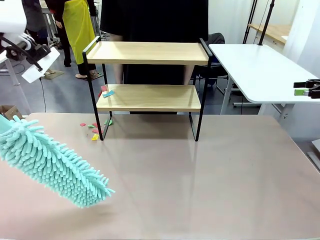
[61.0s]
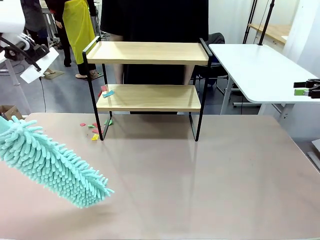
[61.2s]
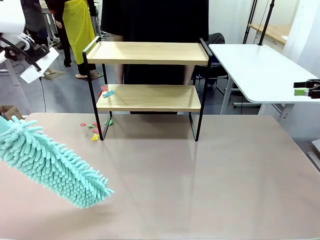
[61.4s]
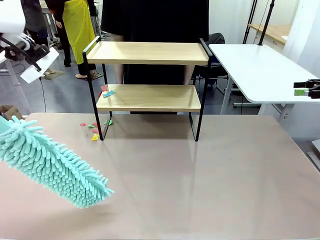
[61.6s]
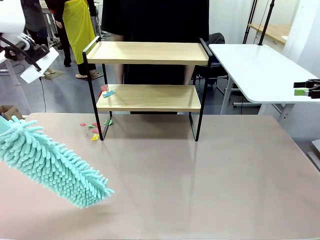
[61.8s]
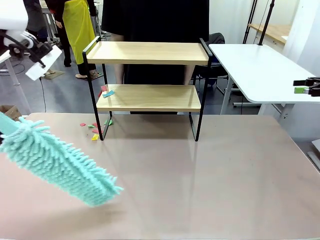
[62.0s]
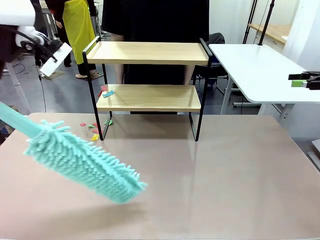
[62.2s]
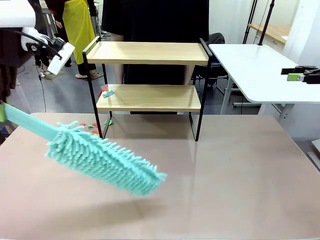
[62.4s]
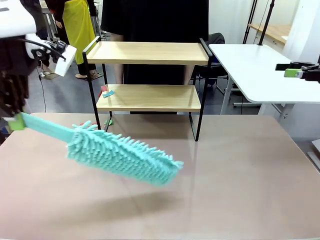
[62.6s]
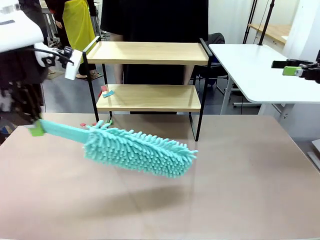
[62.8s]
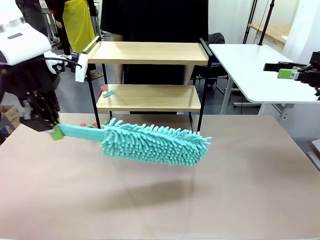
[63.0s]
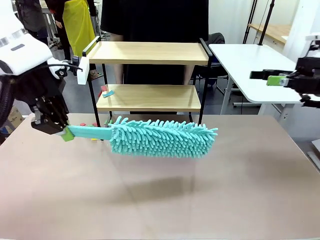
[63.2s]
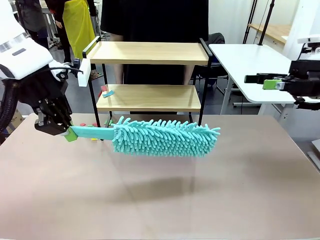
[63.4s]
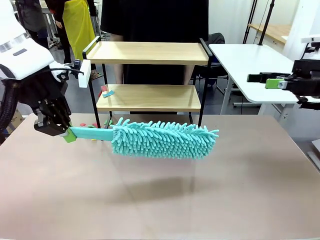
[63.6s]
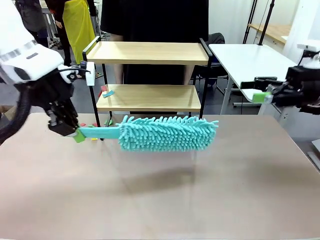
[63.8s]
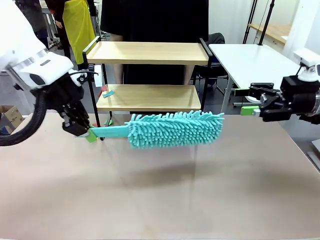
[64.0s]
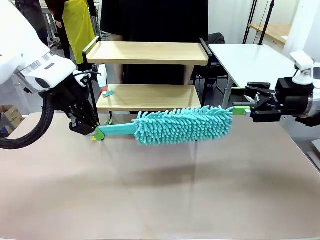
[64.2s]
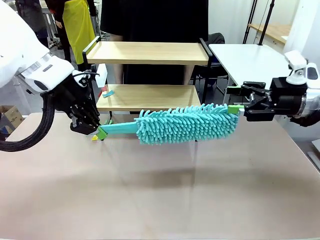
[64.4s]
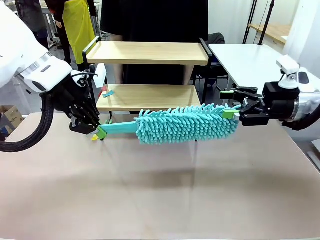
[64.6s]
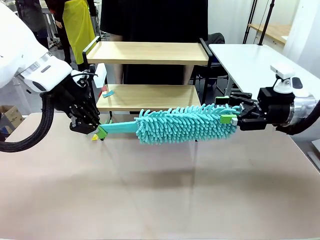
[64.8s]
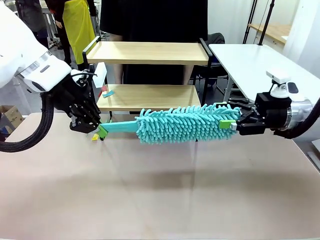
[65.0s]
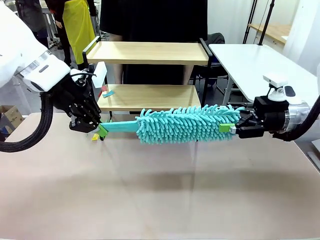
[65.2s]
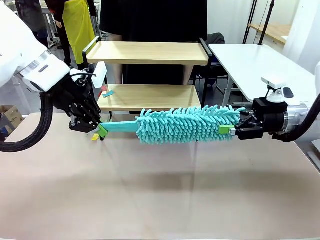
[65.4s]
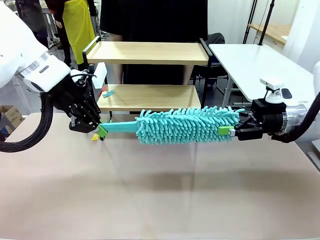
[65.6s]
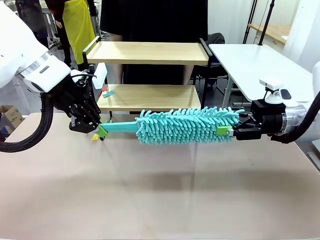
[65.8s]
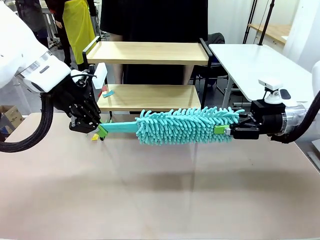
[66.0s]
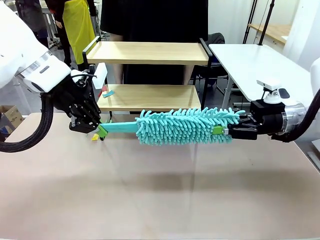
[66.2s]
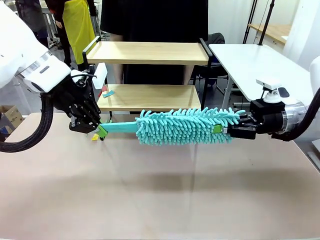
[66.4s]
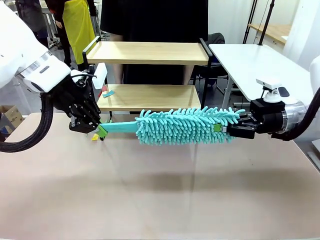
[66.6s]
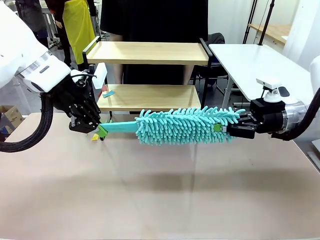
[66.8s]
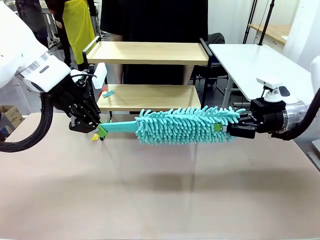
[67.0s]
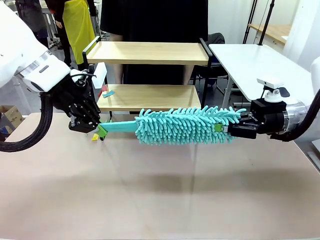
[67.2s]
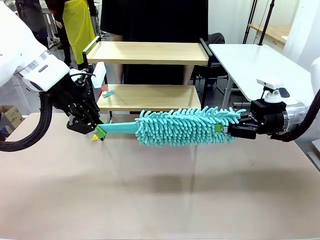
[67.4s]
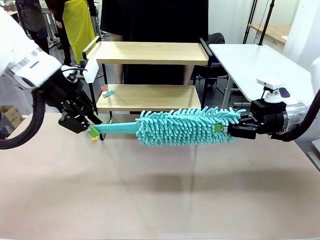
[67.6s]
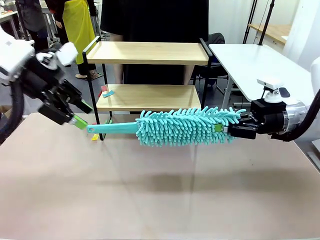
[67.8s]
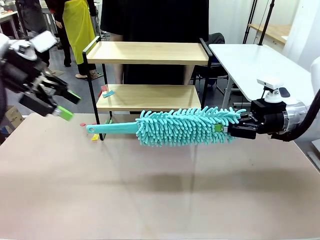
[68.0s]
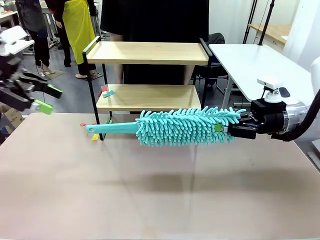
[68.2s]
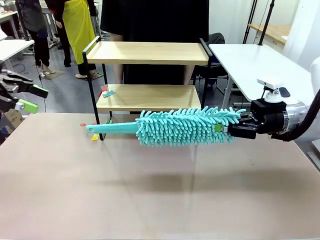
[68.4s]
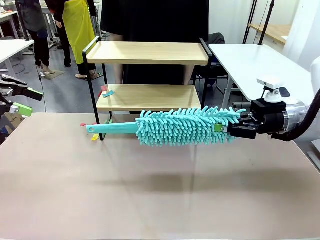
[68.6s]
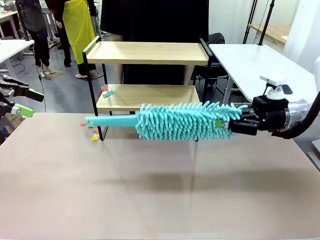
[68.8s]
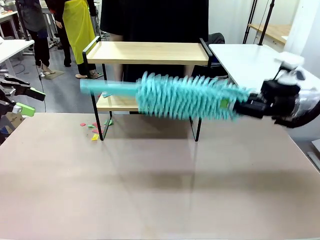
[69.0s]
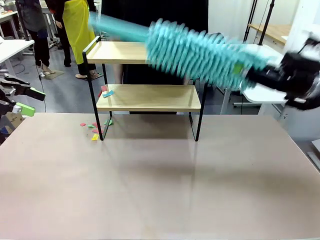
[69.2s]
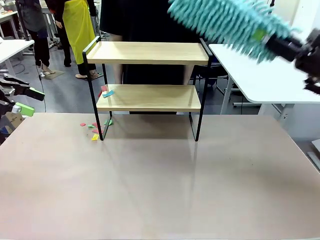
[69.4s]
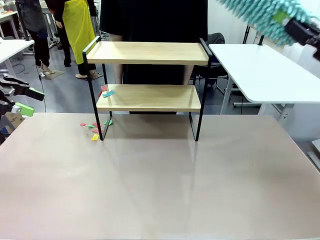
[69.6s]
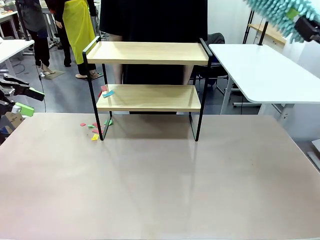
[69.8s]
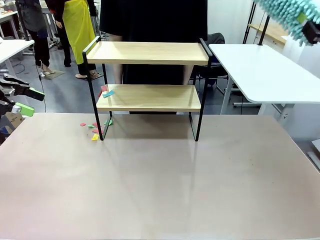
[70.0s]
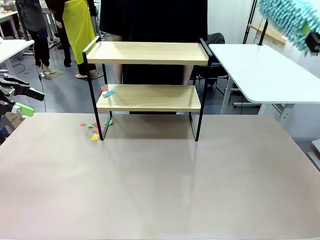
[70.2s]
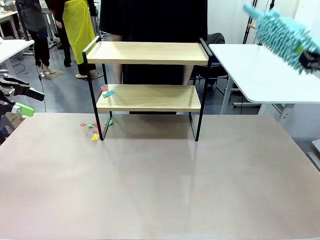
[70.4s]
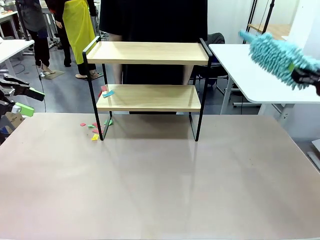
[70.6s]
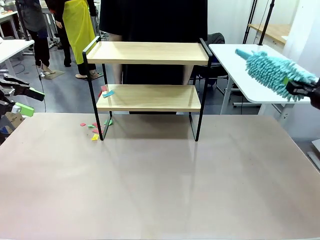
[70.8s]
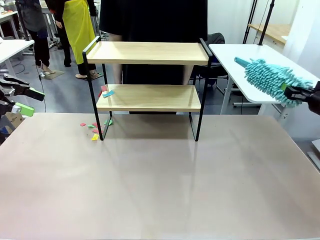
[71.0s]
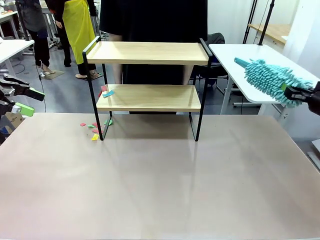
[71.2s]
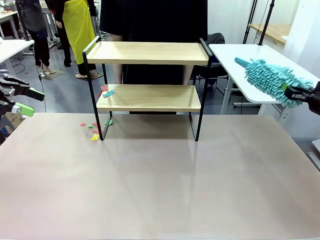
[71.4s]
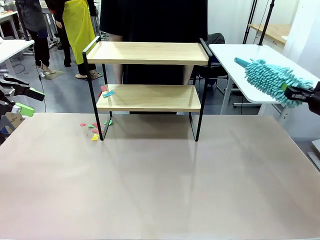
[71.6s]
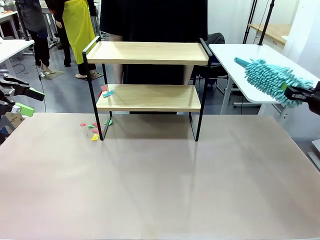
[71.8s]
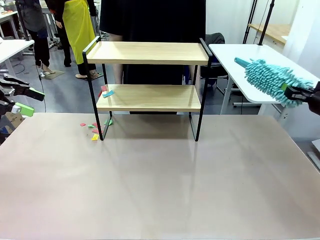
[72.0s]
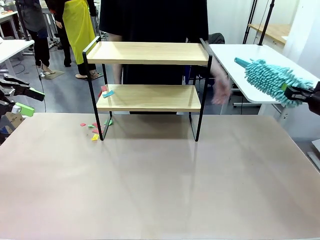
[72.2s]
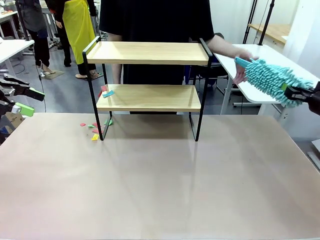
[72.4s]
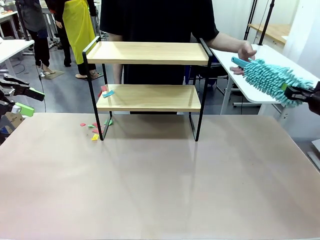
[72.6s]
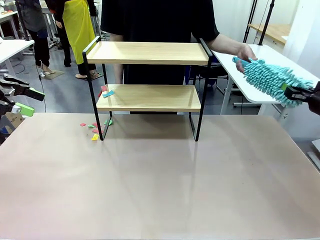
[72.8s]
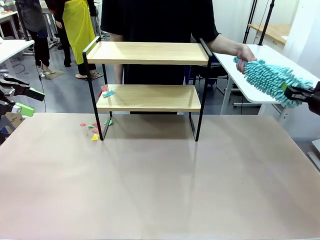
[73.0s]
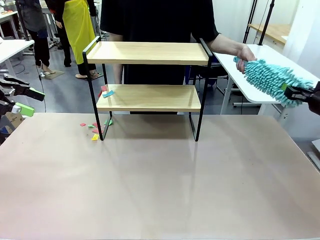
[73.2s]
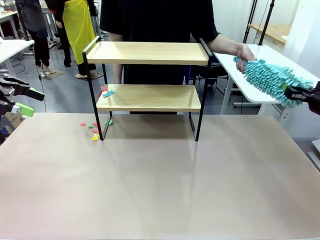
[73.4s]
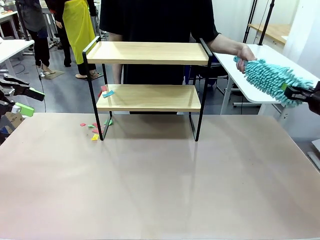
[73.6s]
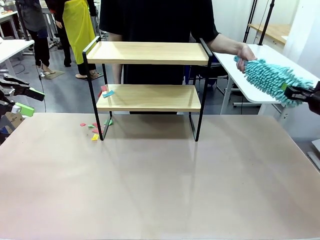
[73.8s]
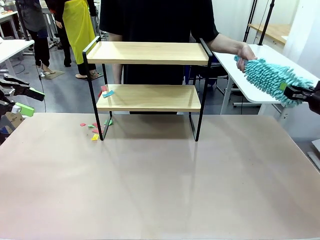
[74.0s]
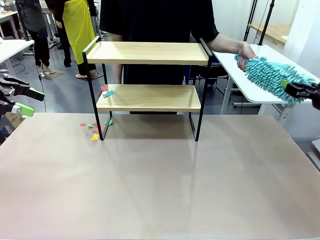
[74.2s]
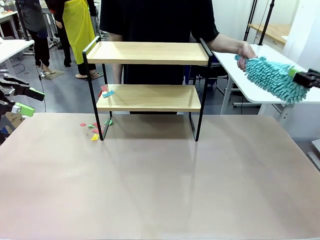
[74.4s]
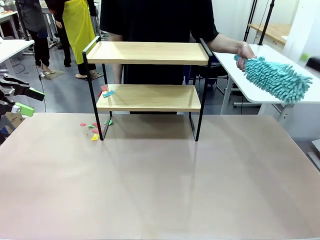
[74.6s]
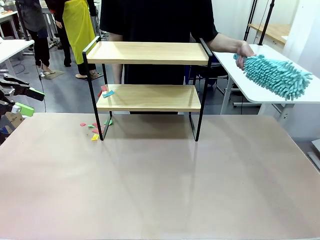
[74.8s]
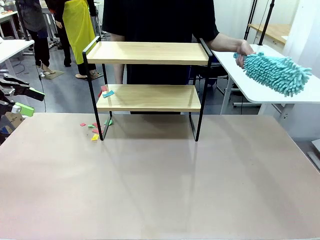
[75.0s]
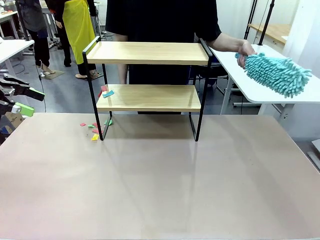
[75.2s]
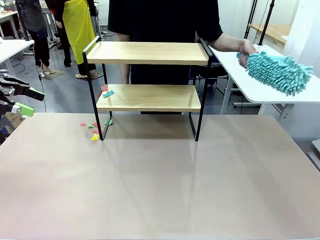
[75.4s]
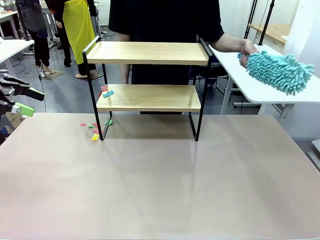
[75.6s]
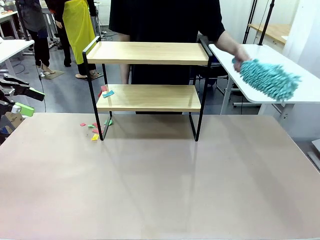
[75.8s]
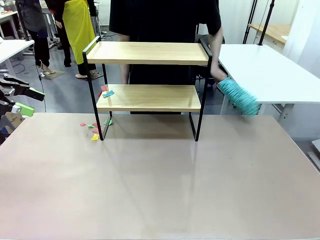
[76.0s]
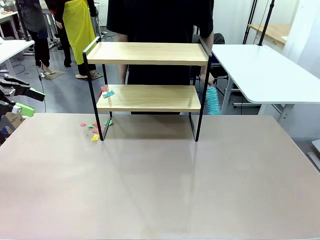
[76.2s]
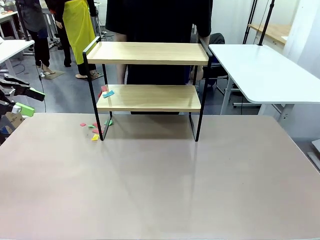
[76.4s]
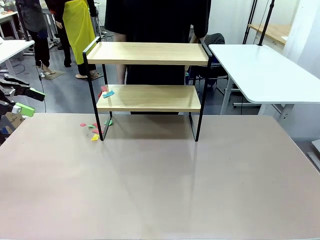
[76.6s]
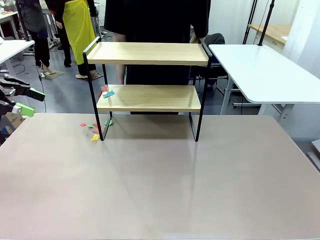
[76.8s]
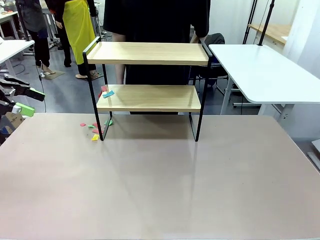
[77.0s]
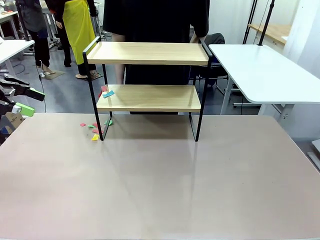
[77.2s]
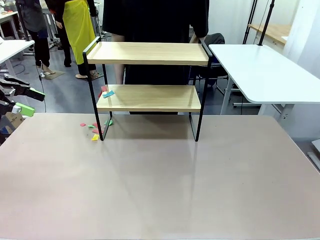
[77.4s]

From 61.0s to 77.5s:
Task: Clean the shelf.
Robot: Hand the Duster back to the human.
Person: Receive the Duster from the robot.
